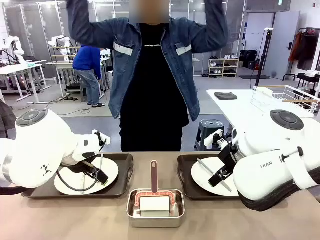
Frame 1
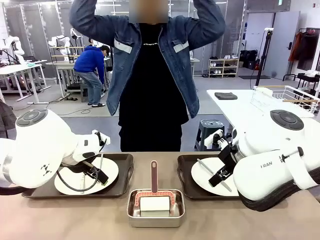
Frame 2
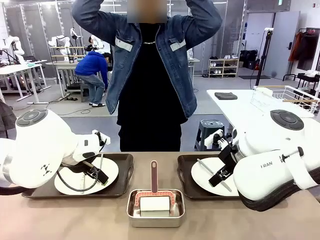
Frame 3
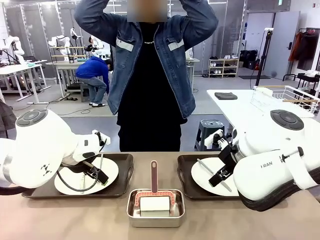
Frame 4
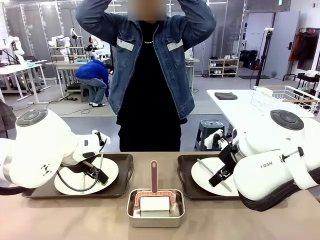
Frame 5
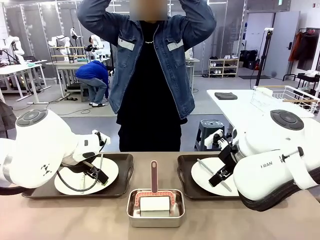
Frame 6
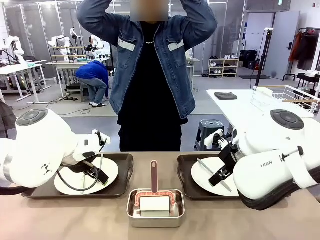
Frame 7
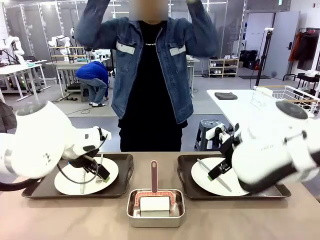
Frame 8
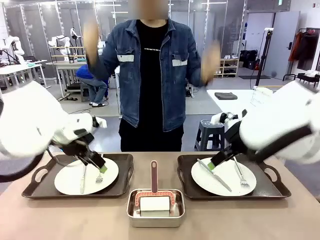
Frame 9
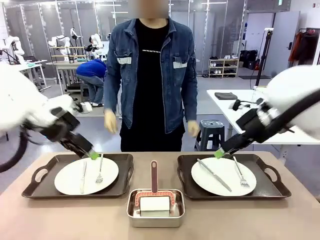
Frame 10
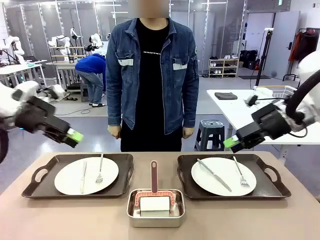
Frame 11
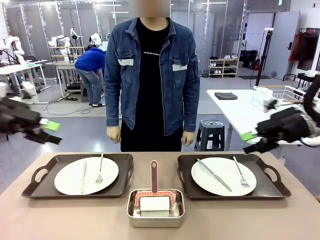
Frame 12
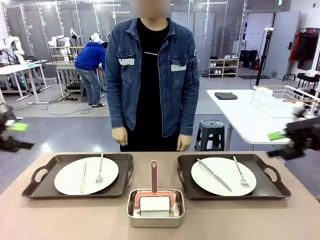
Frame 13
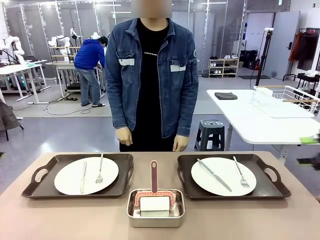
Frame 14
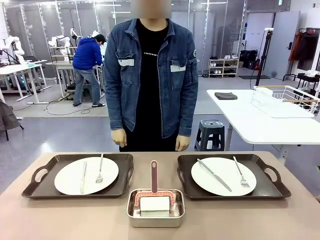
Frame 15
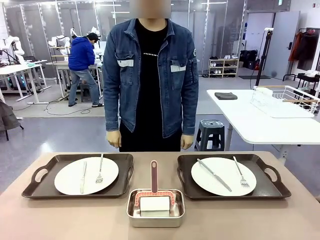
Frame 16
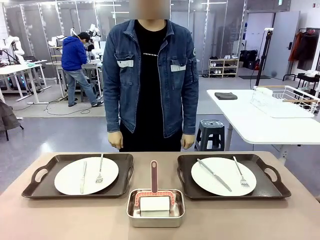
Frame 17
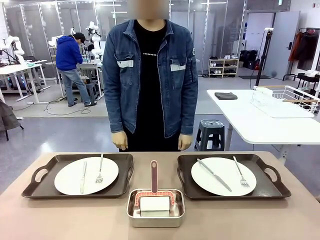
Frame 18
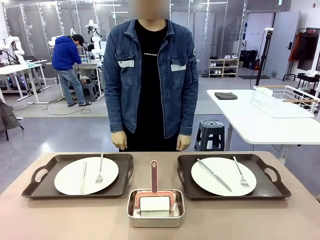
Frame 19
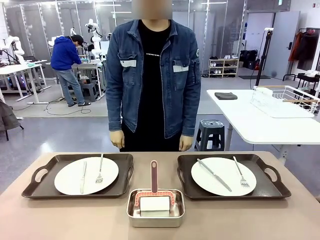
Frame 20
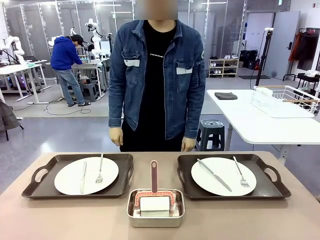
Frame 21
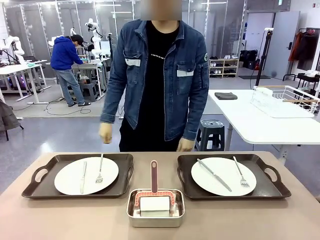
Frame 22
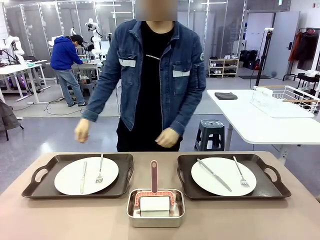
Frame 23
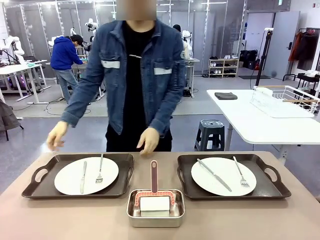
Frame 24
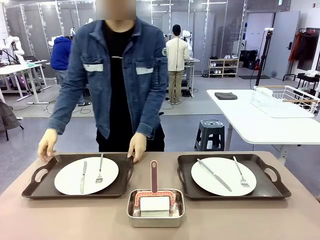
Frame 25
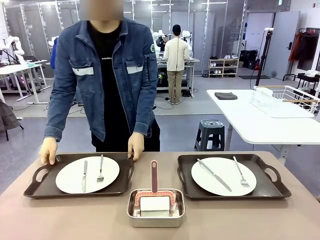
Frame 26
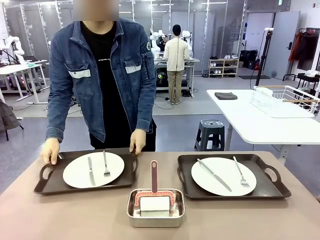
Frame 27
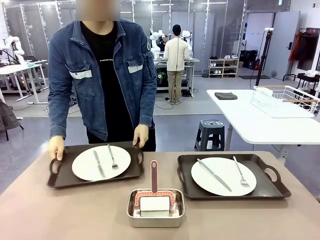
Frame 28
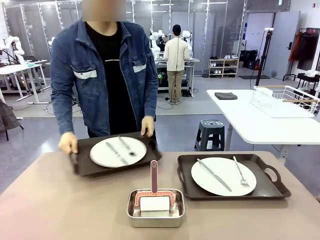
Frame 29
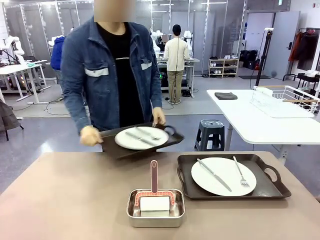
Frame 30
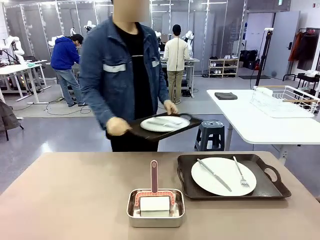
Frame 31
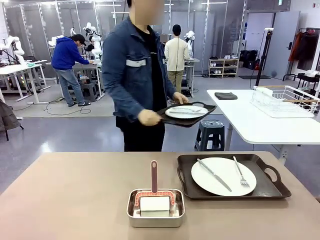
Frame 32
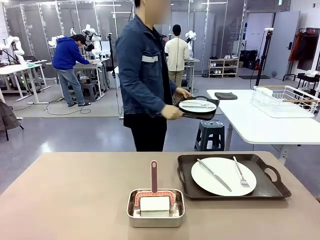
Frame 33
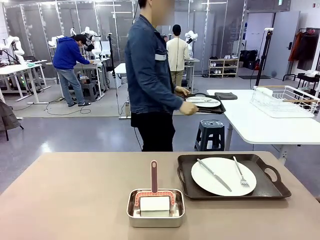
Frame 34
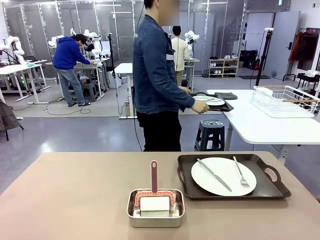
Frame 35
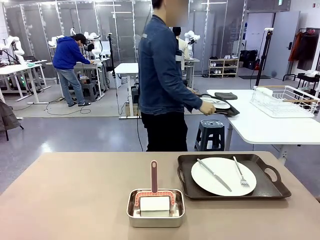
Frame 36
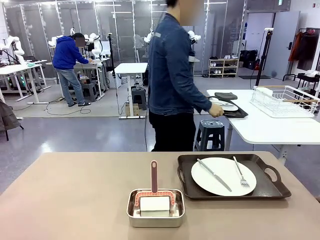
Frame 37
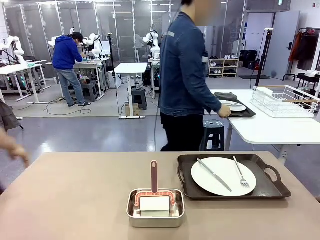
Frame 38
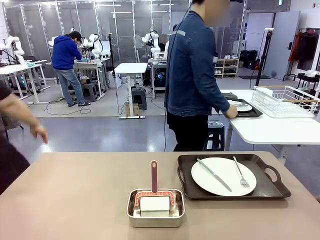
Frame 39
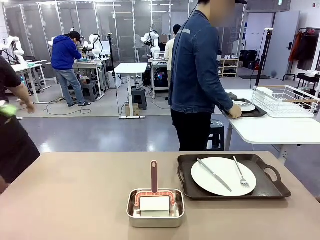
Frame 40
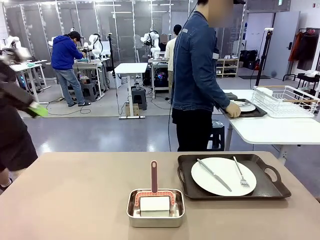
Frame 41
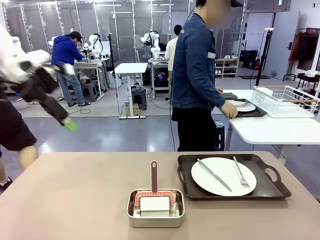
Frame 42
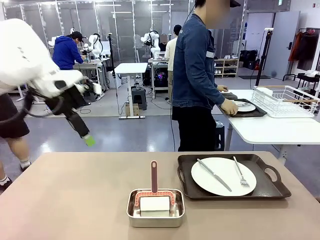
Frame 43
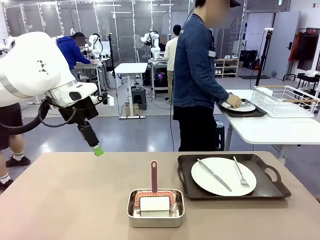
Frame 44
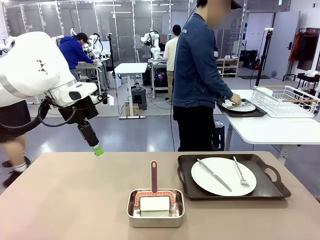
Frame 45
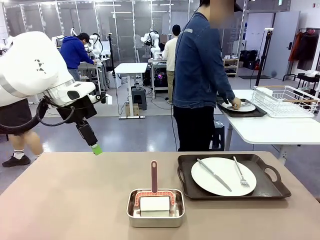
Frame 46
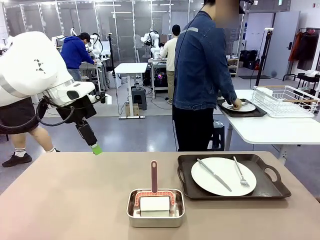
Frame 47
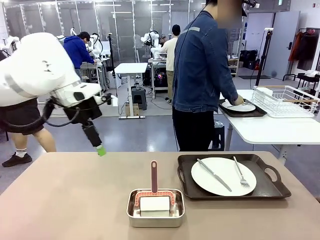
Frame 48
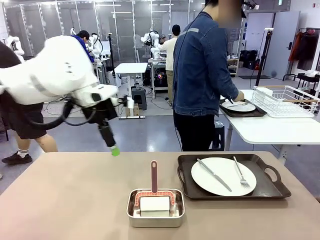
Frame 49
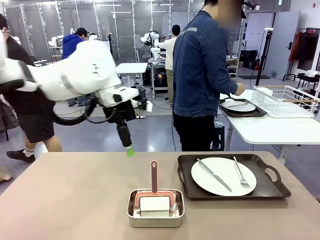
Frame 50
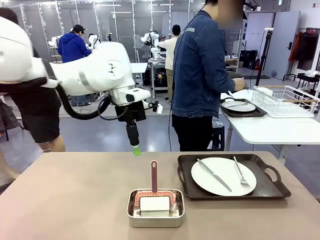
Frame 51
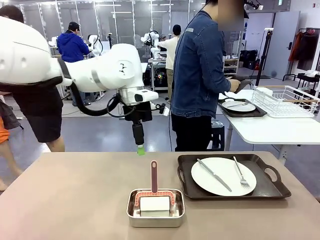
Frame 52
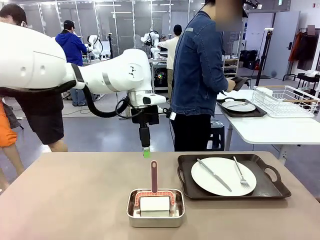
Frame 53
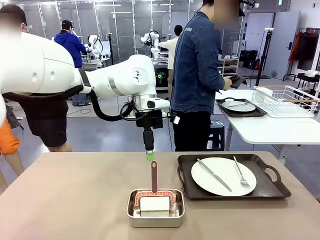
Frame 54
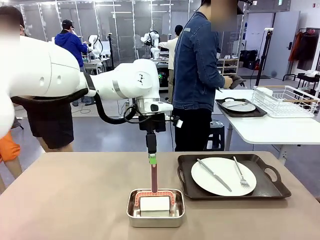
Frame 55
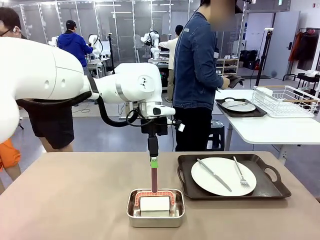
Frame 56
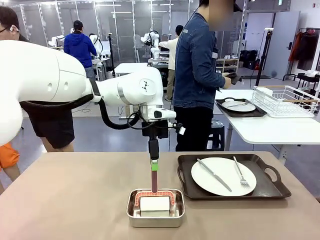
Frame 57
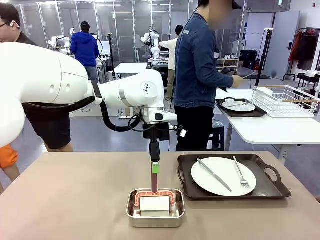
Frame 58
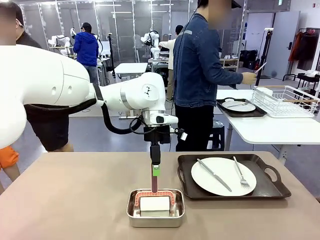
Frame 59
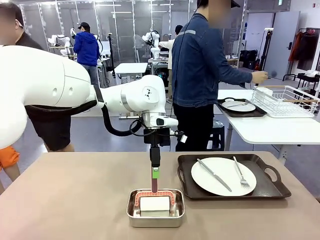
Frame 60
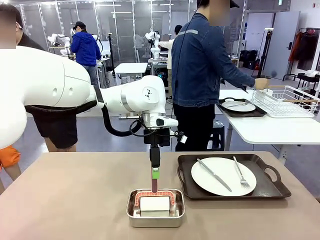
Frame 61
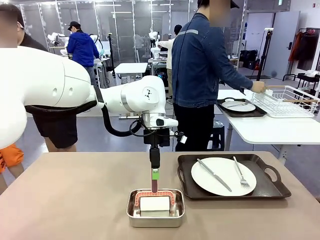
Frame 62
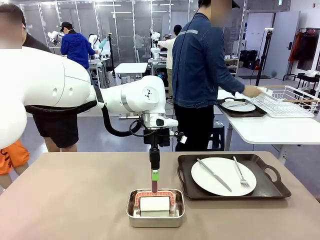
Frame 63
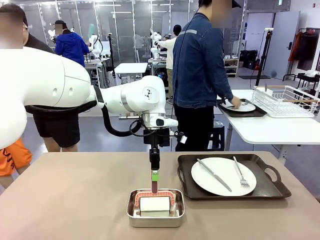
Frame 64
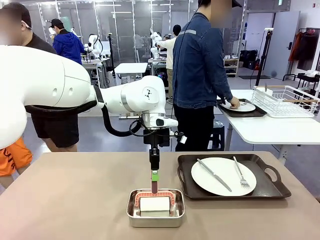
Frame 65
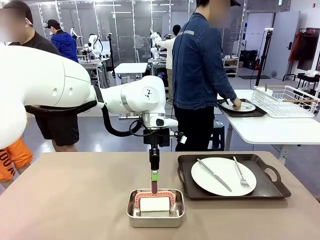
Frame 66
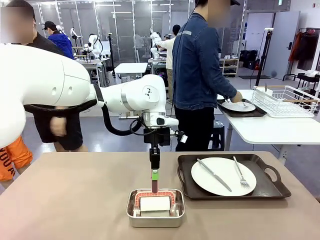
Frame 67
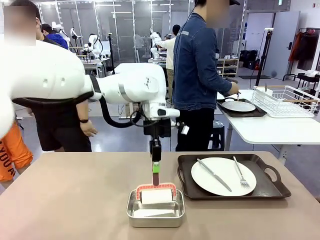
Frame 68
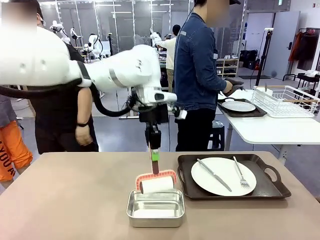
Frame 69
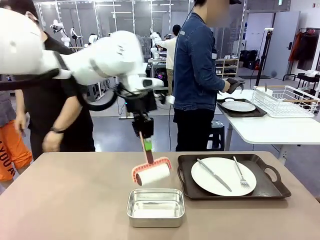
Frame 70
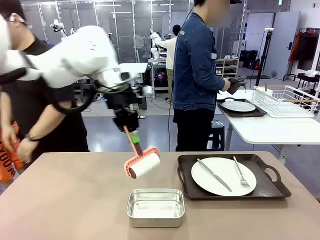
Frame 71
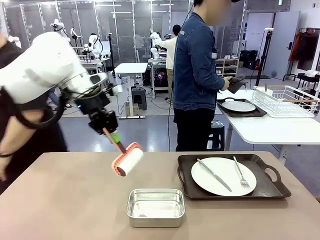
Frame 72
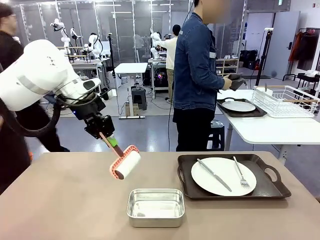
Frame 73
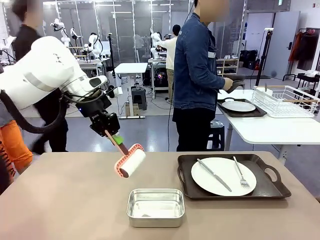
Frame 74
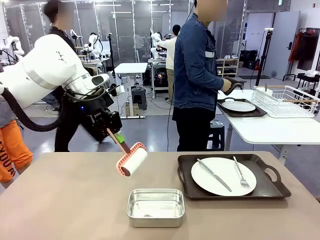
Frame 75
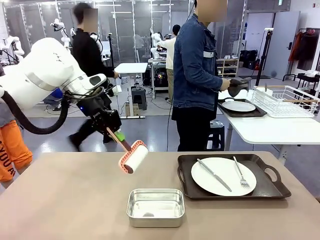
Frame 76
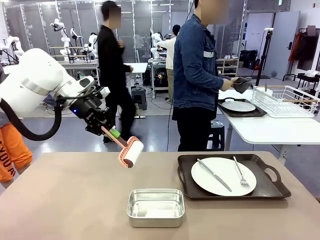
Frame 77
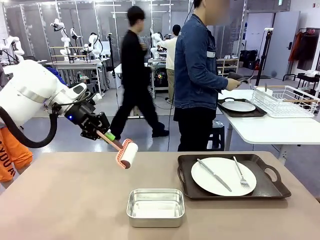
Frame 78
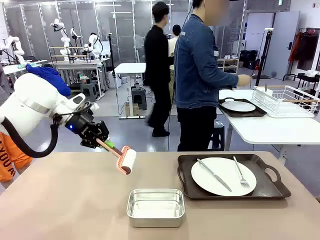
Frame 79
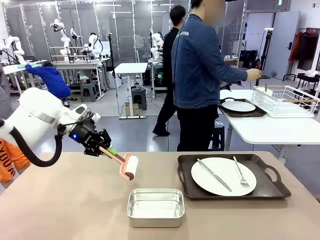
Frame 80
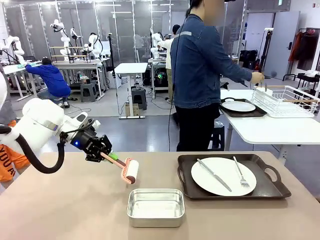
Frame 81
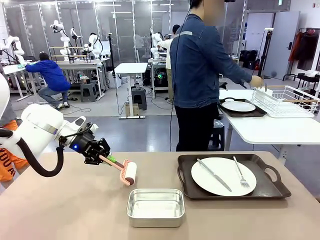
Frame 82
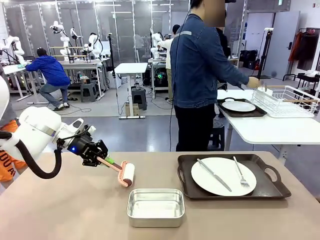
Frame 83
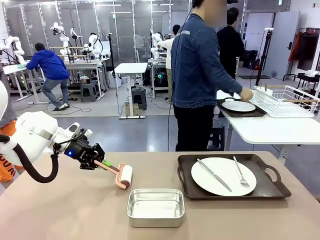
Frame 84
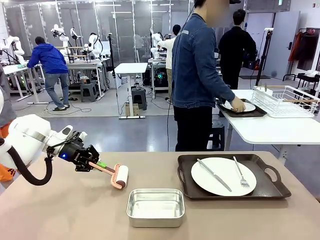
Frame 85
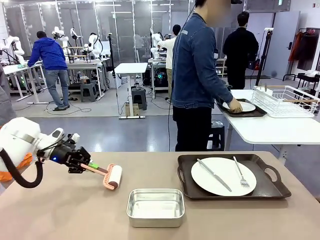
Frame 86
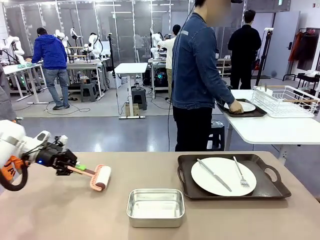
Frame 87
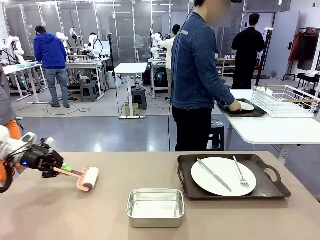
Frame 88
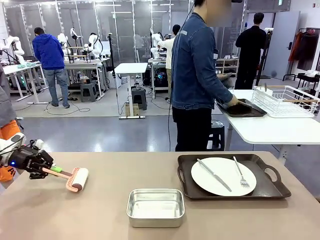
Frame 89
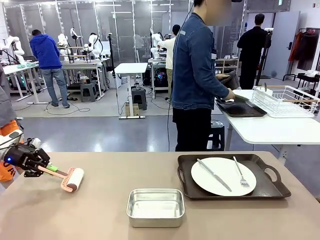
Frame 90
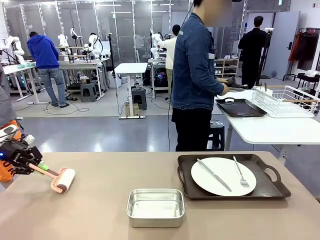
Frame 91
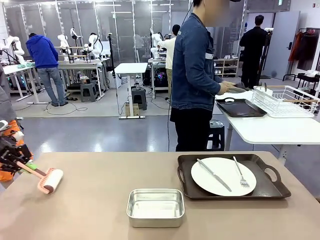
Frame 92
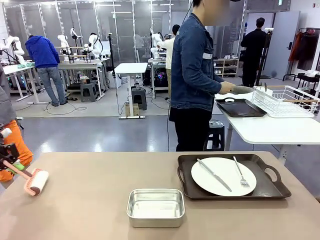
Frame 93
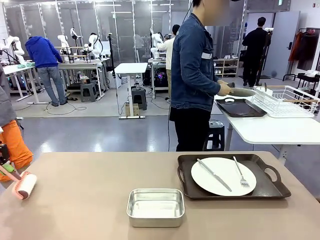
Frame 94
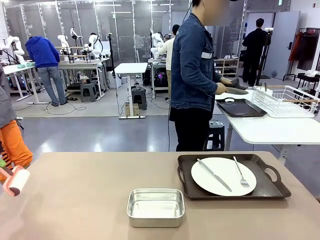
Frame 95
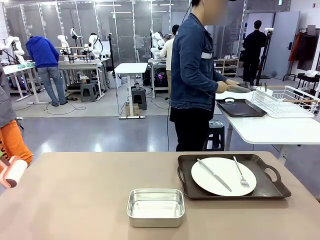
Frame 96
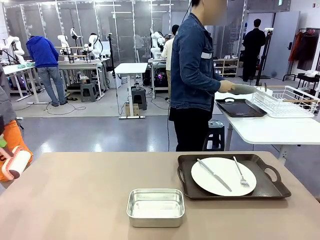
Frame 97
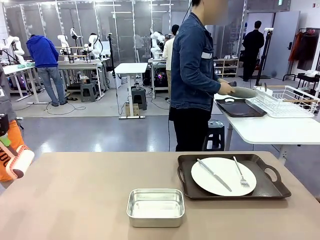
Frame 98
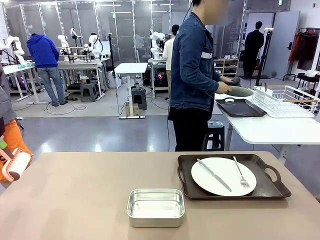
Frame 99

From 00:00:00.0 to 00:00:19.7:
Robot: When the left (or right) Handle tray is removed, use the left hand (or right hand) to clean the left (or right) side of the table with the Lint Roller.
Person: Pick up the left (or right) Handle tray and place it on the middle of the Human's table. Use the Towel with hook to wipe the Plastic Matte Plate , Fork , and Knife and place into the Dish drying rack.
